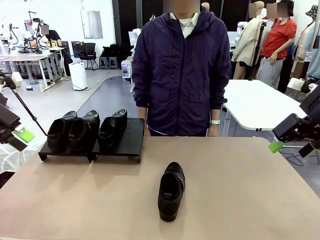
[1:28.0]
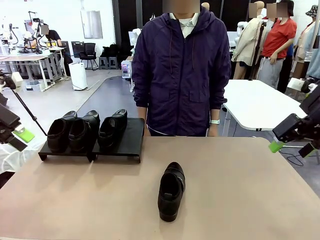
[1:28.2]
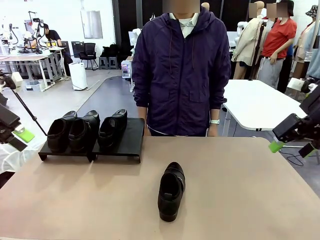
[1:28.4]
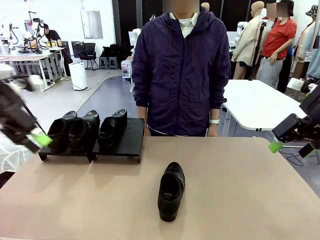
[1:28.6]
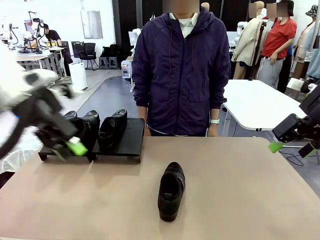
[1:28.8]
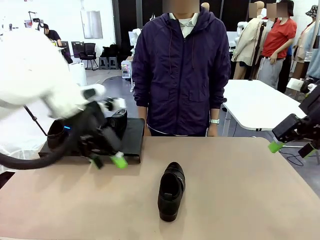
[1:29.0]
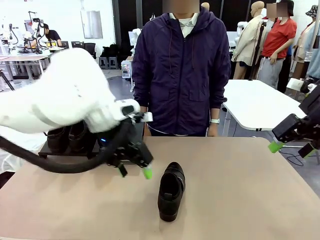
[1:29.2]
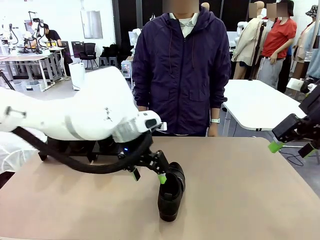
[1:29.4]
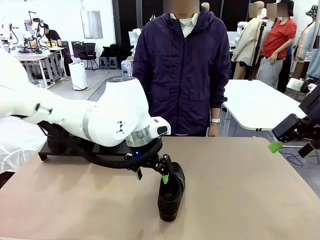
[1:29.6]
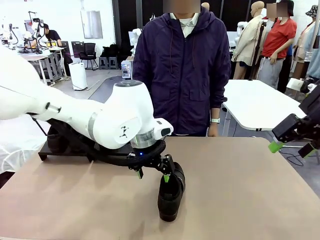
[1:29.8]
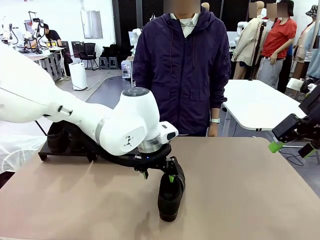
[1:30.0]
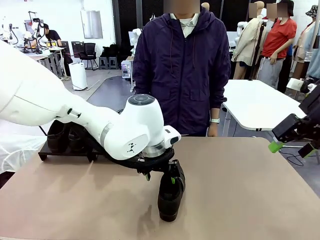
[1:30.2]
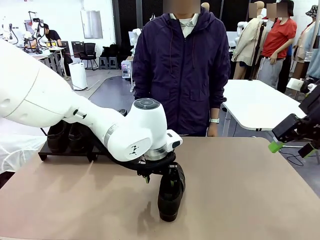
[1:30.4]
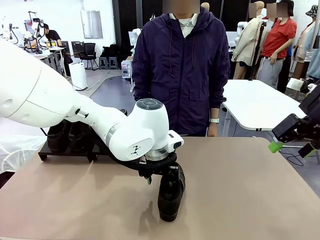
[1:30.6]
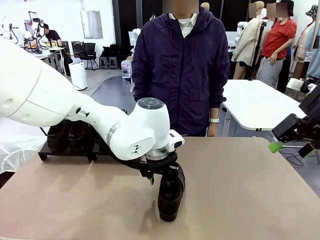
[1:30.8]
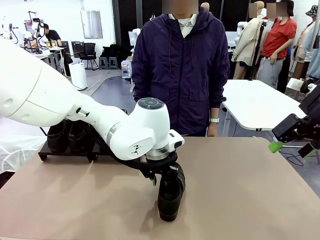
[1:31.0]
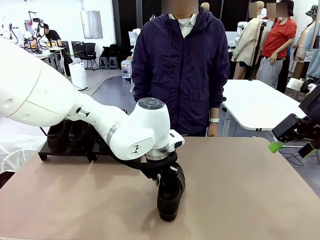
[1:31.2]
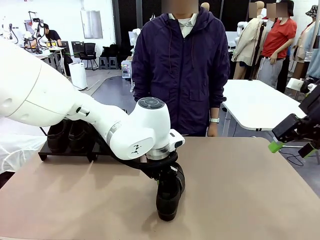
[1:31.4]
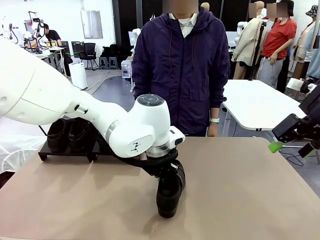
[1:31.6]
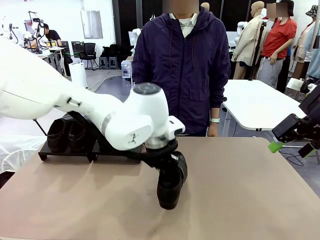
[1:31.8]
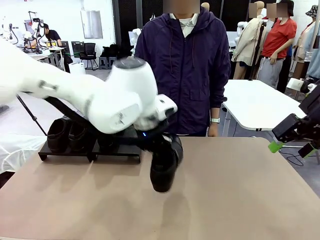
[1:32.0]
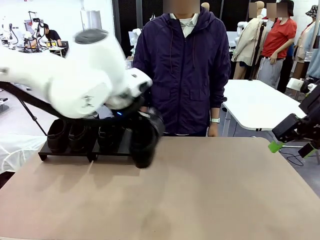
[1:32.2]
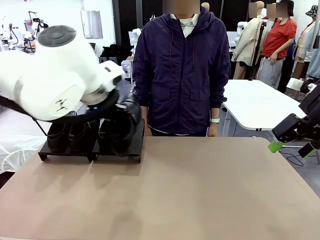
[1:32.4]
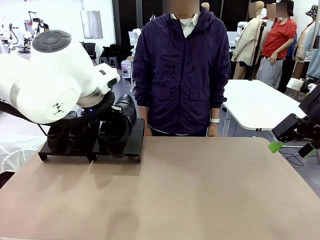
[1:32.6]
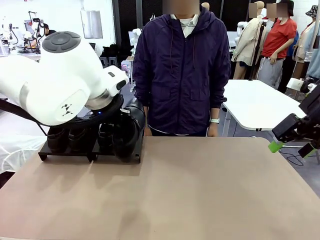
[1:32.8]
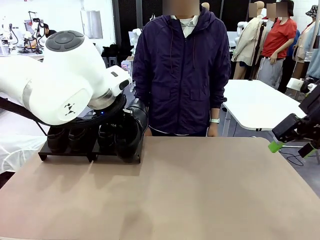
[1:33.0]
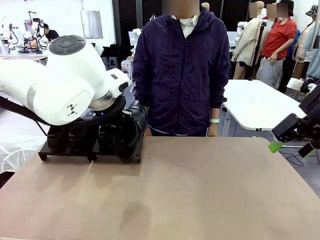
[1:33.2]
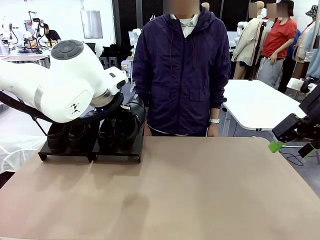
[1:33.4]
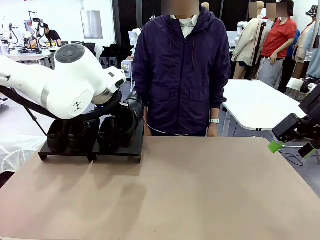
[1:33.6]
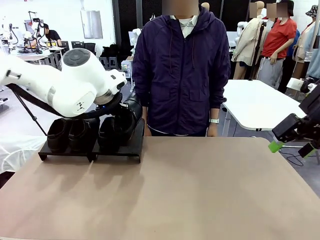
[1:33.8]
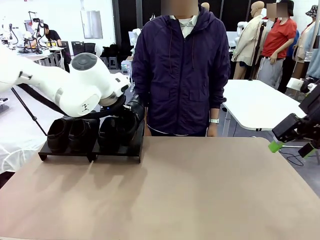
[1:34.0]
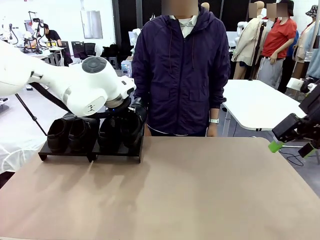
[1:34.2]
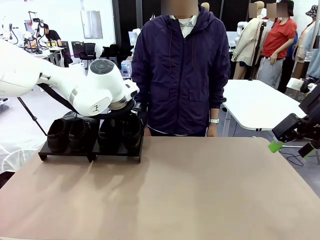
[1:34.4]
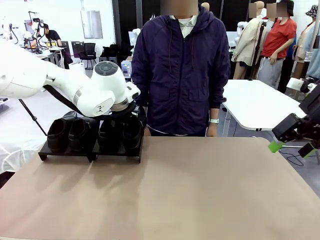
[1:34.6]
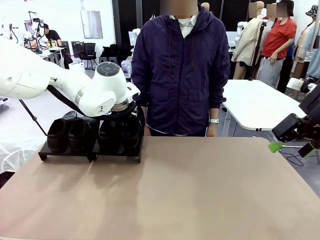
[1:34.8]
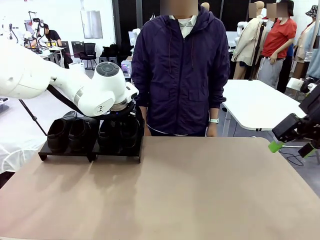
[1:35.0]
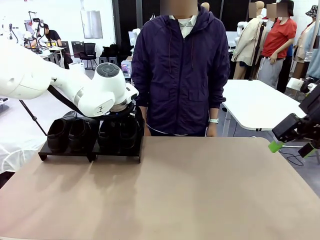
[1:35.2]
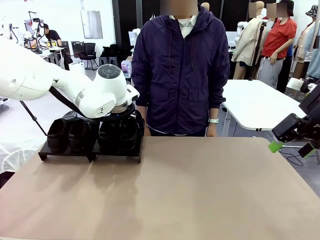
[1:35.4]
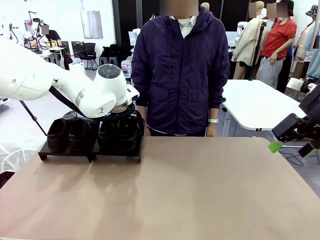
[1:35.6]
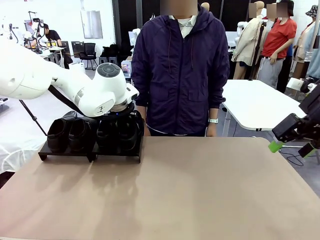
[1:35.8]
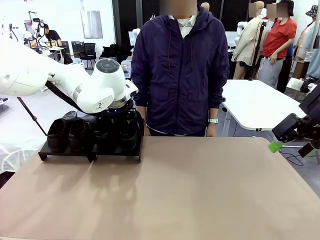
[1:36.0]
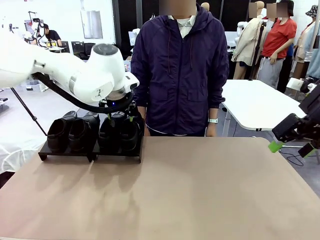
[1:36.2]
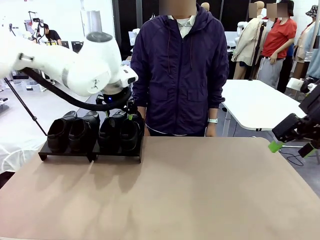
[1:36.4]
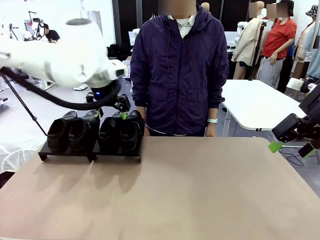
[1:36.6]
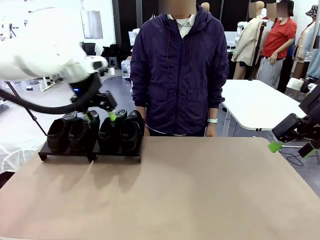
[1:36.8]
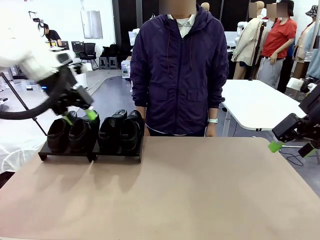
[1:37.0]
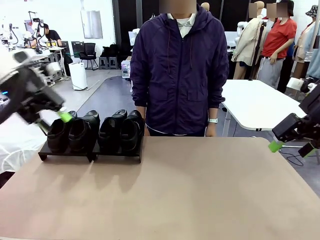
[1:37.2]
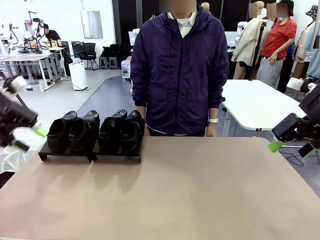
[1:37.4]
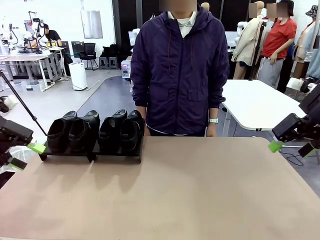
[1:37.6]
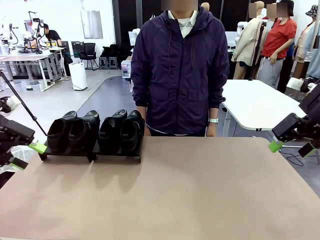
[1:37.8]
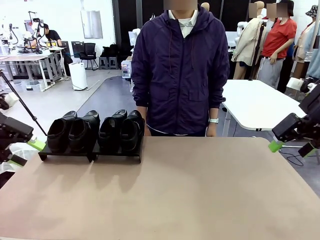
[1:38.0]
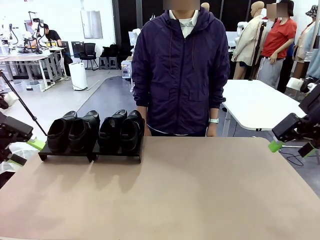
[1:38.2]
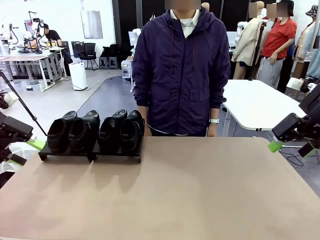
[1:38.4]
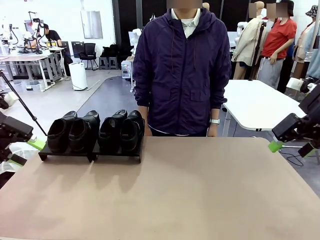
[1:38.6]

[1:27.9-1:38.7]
Task: Organize the shoes by placing them on the stand.
Robot: Place the Shoe from the middle of the table onto the Shoes Stand.

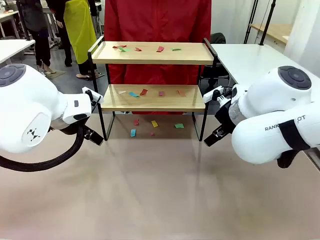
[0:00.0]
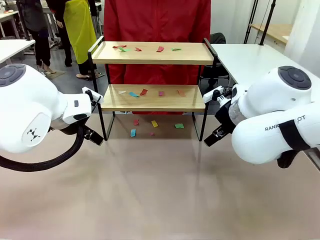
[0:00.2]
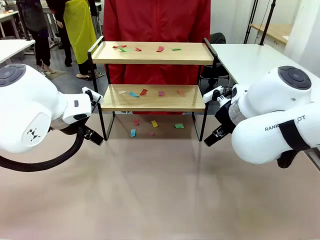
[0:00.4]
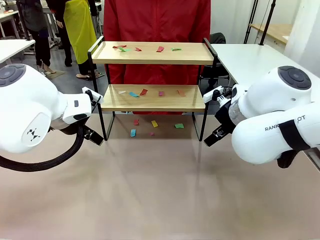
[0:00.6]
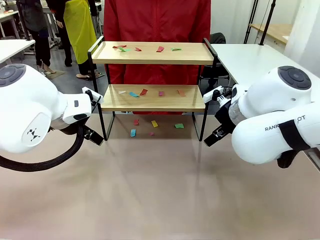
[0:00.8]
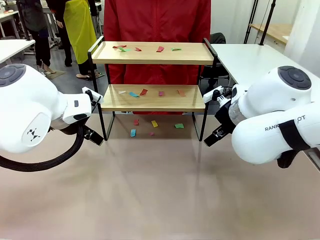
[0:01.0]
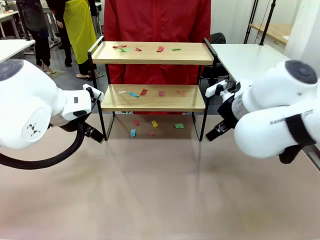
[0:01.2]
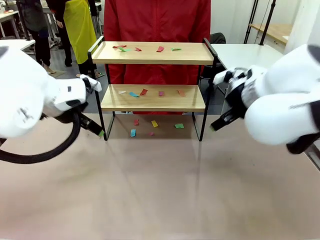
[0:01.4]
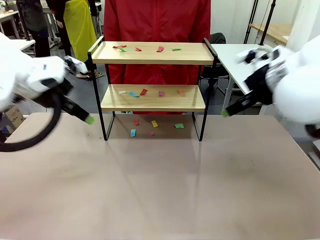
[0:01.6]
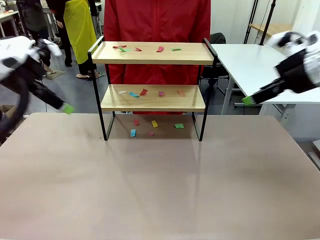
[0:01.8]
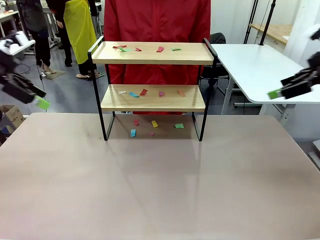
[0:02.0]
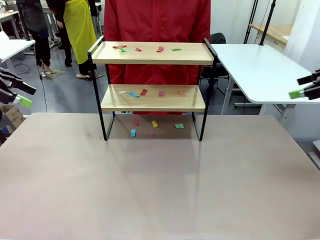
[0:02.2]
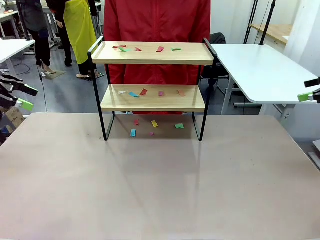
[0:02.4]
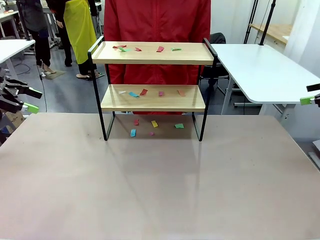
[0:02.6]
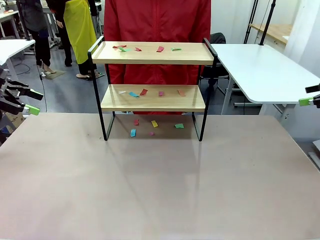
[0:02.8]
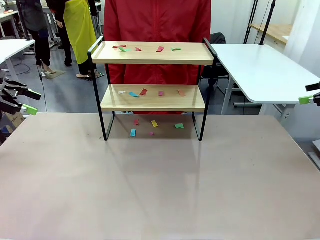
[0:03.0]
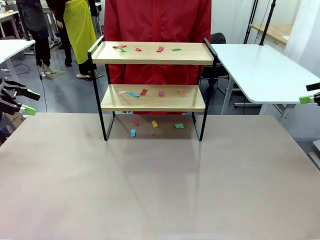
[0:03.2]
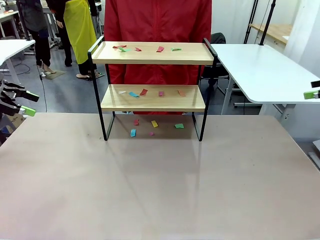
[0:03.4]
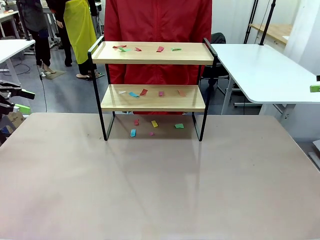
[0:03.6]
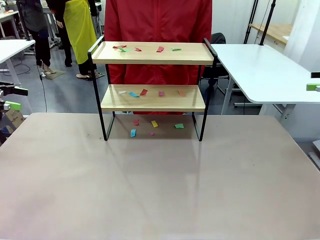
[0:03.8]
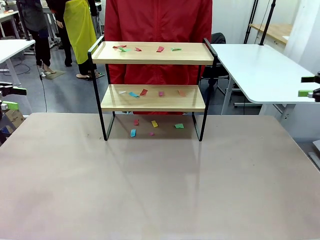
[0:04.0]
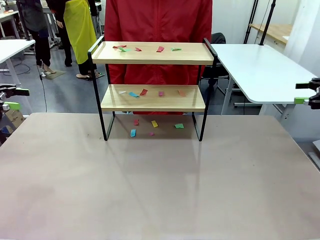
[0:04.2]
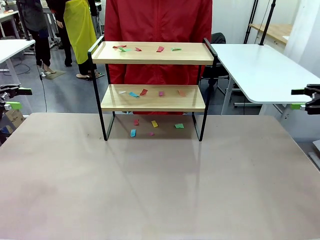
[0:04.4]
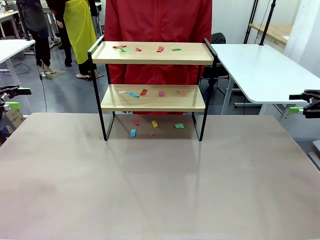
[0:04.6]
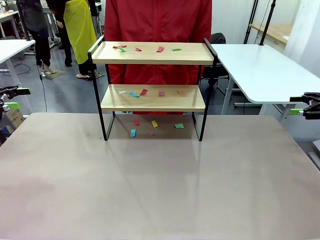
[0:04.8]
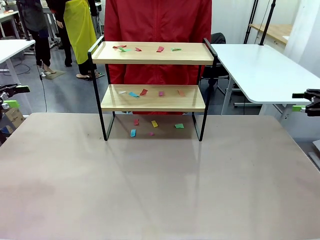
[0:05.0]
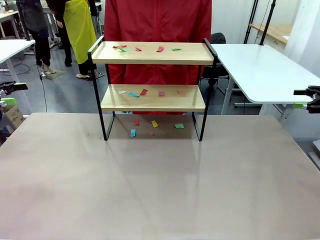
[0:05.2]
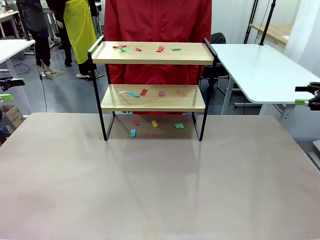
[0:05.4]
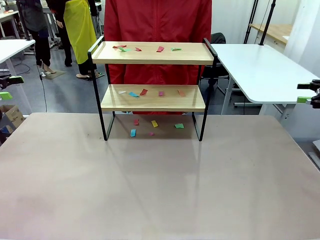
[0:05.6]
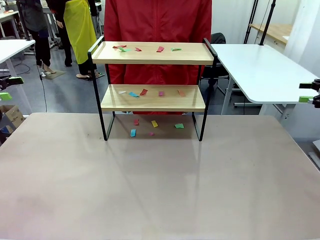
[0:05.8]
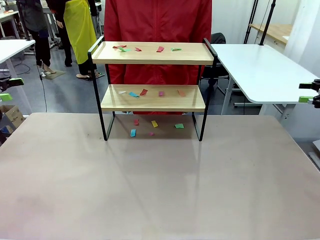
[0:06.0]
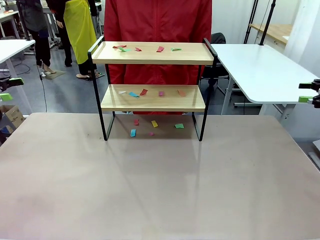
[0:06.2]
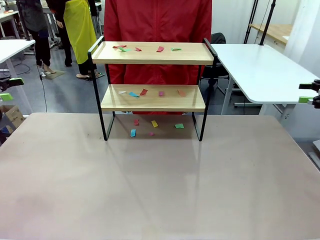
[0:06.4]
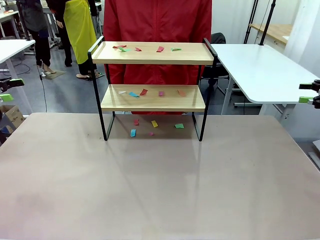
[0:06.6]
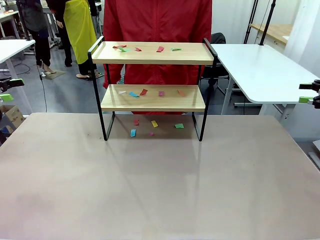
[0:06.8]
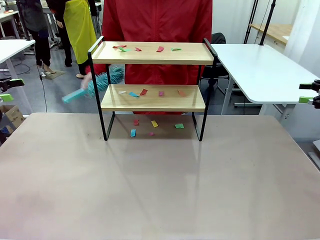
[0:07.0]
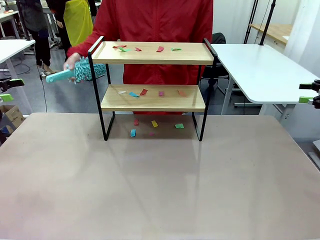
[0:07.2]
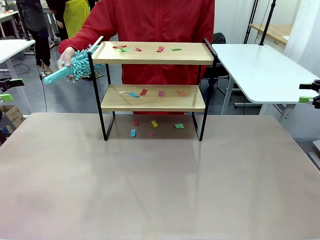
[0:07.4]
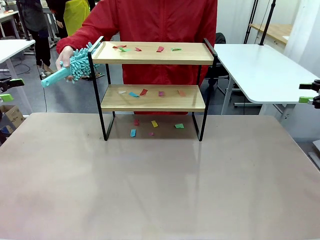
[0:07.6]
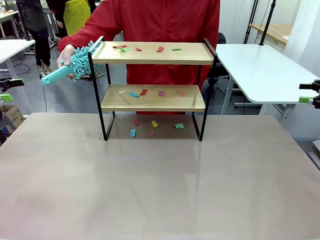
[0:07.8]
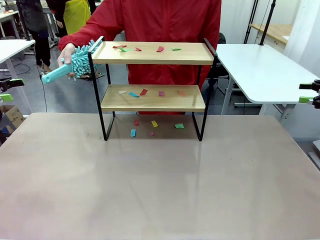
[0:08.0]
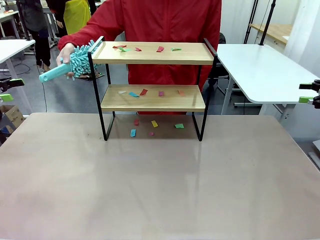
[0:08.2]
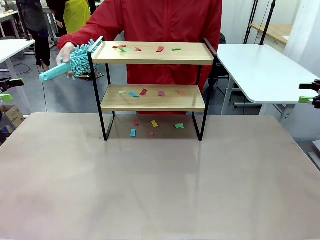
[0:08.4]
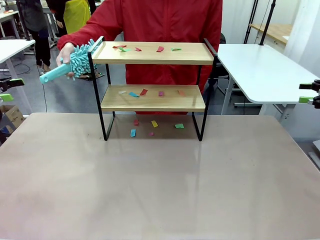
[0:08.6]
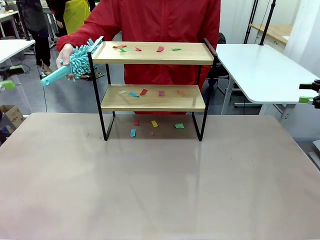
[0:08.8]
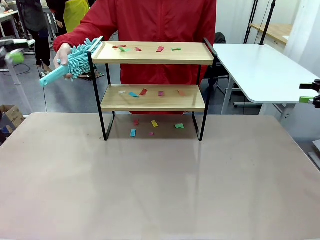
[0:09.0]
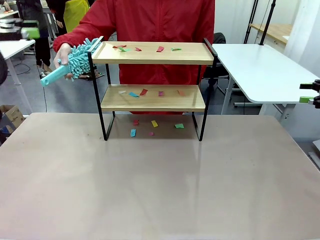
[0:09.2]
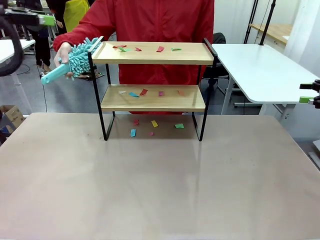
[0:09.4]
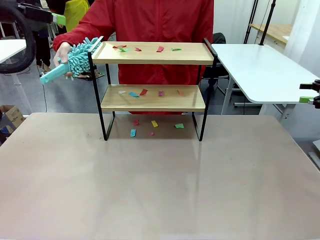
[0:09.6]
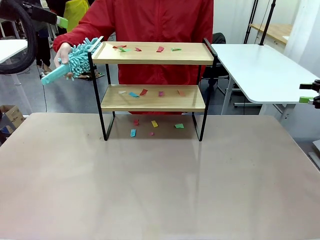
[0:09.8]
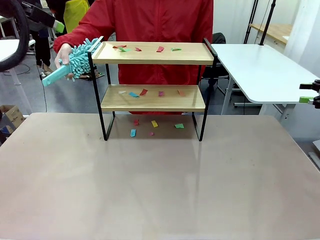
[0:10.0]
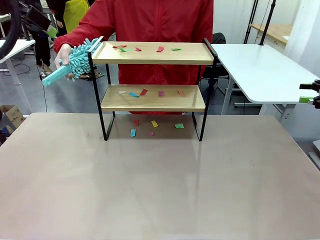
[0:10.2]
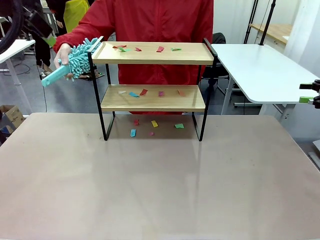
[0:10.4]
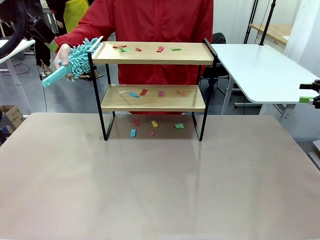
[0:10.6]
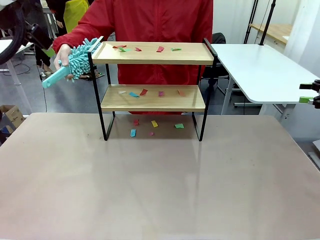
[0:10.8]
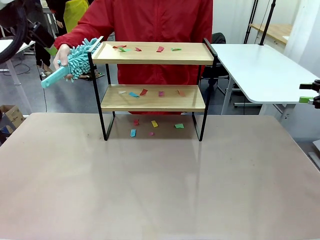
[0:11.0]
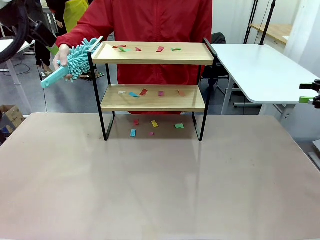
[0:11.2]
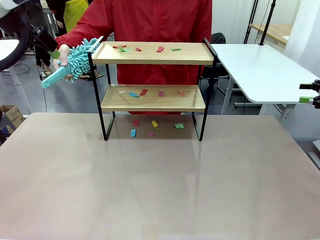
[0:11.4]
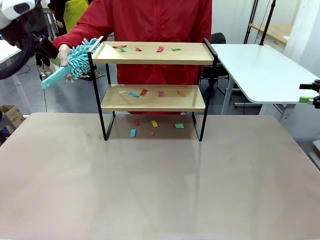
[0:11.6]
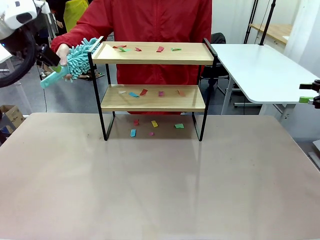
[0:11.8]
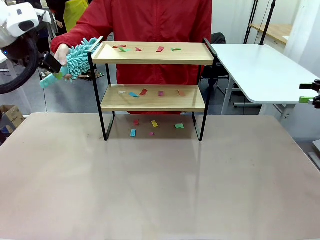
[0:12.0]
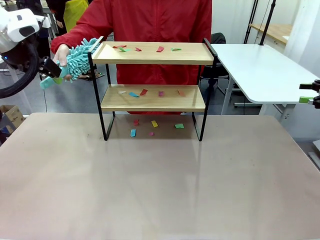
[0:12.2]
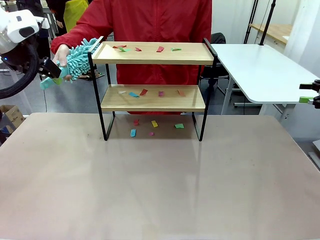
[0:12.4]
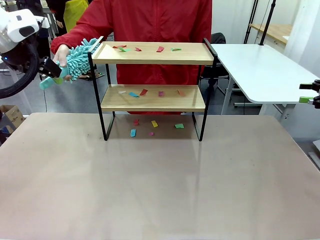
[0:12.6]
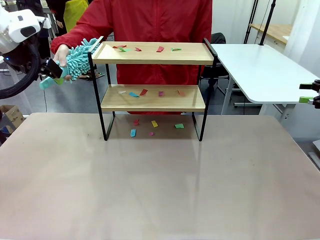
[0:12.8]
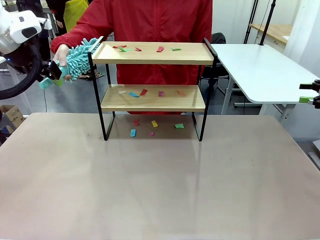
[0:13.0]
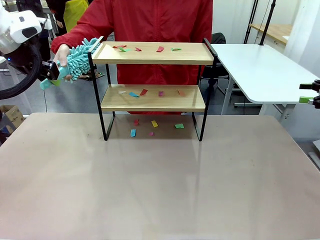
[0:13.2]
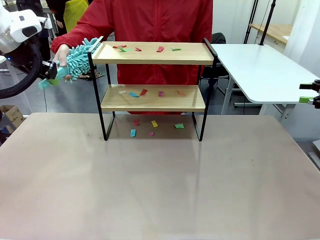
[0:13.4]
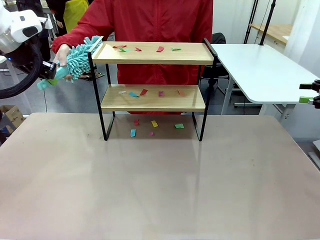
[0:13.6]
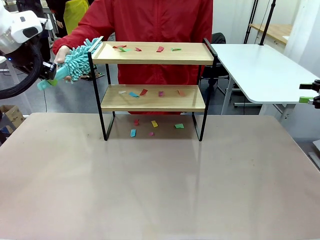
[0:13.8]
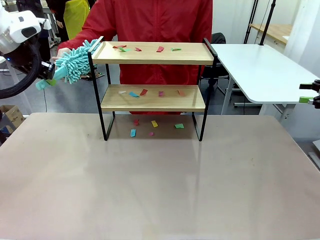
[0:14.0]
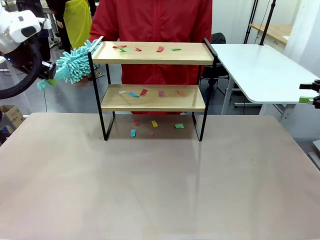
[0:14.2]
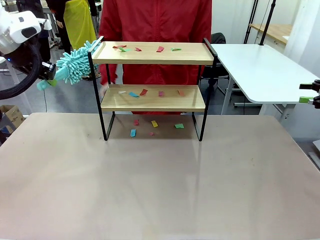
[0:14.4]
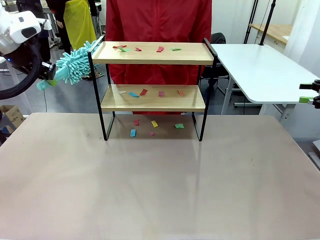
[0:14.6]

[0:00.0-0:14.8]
Task: Clean the shelf.
Robot: Pick up the Duster handed by the human.
Person: Hand the Duster to the robot.
